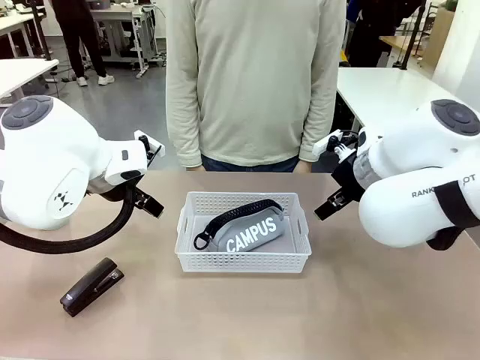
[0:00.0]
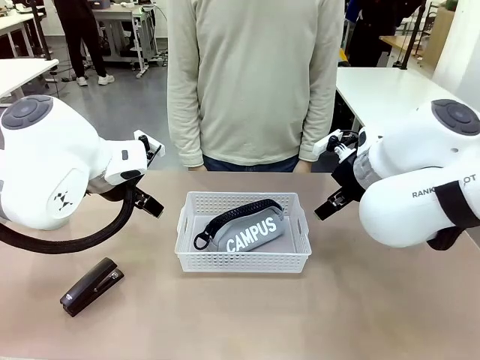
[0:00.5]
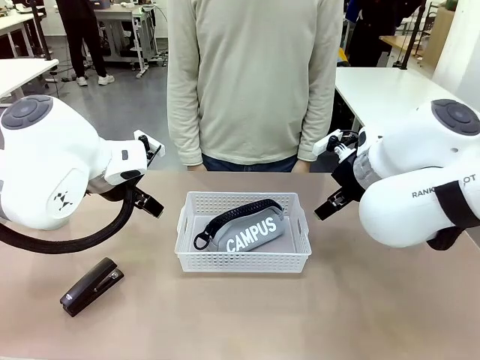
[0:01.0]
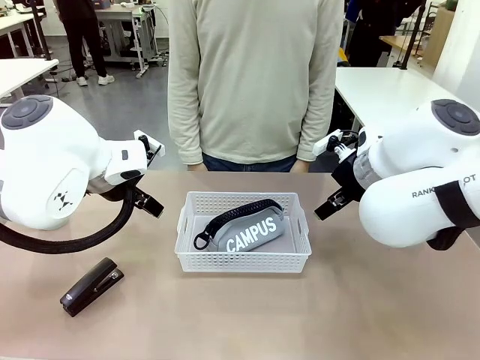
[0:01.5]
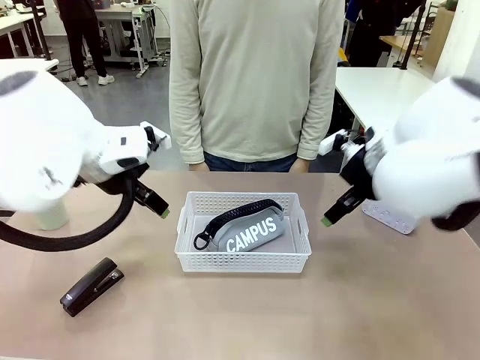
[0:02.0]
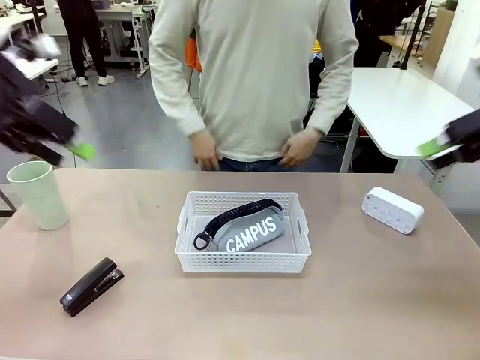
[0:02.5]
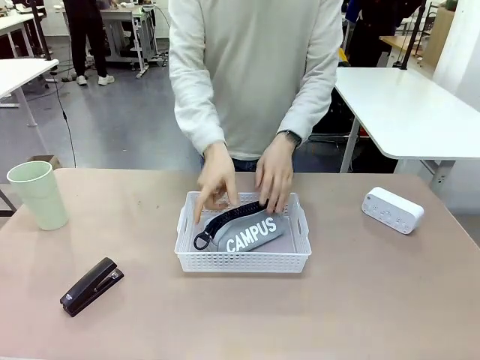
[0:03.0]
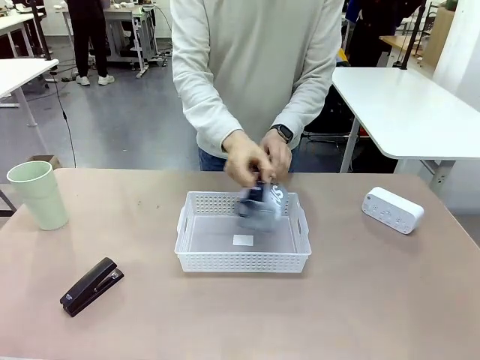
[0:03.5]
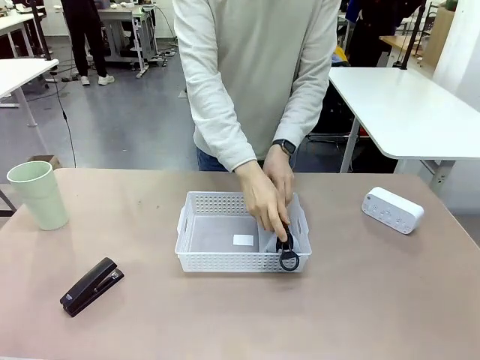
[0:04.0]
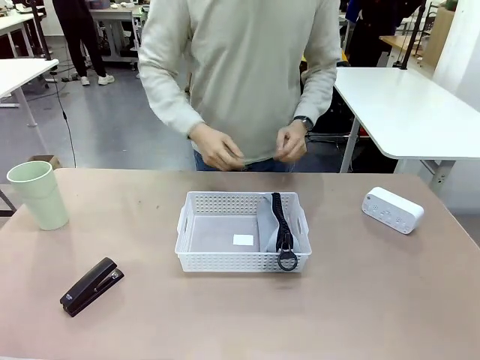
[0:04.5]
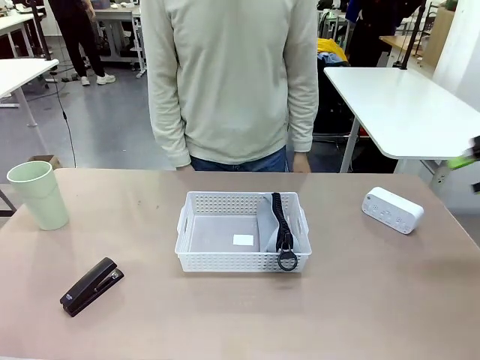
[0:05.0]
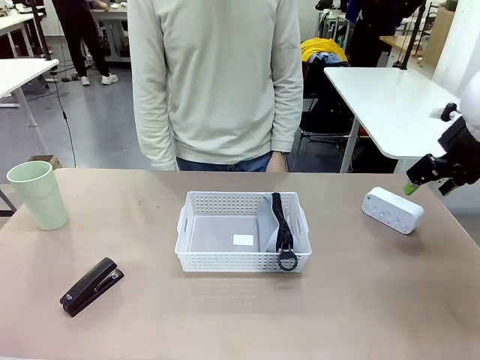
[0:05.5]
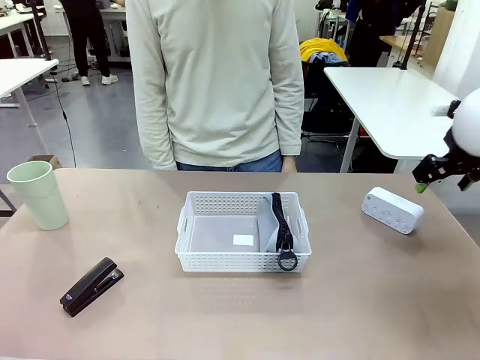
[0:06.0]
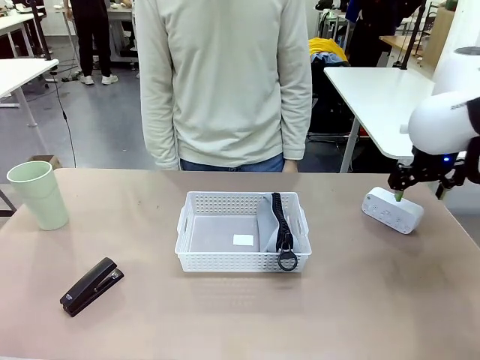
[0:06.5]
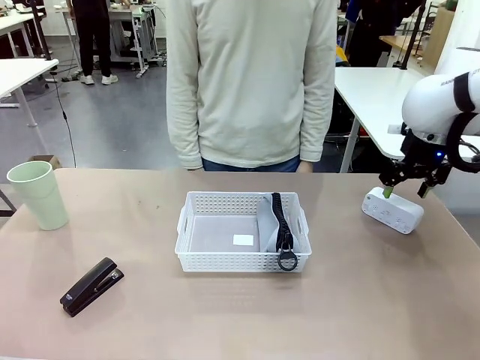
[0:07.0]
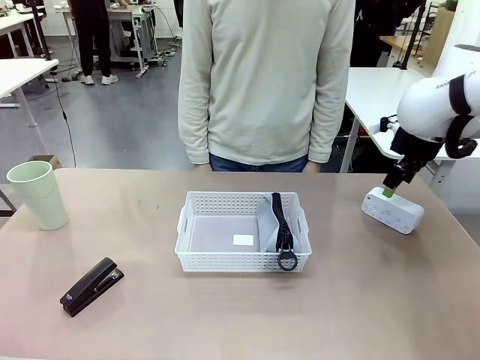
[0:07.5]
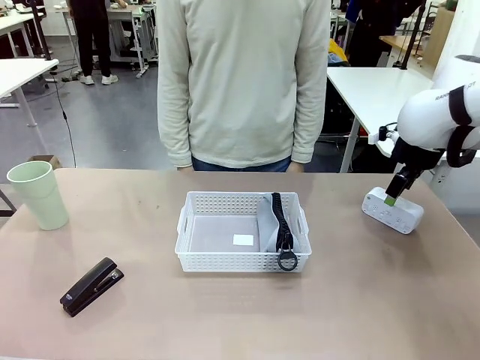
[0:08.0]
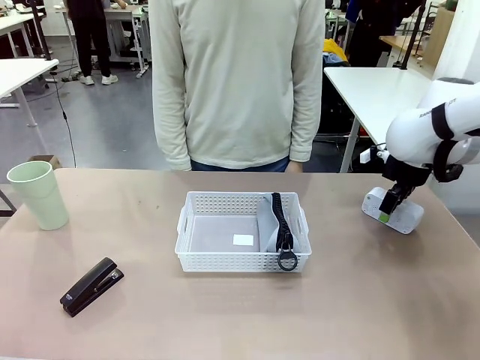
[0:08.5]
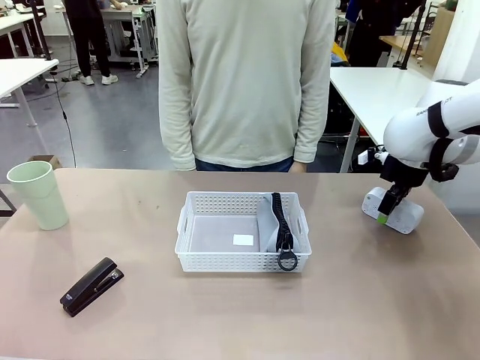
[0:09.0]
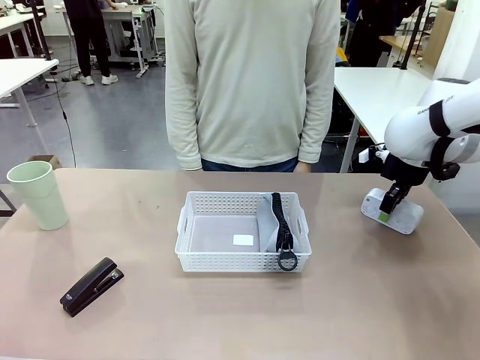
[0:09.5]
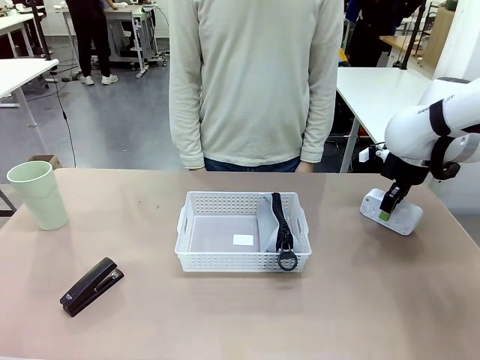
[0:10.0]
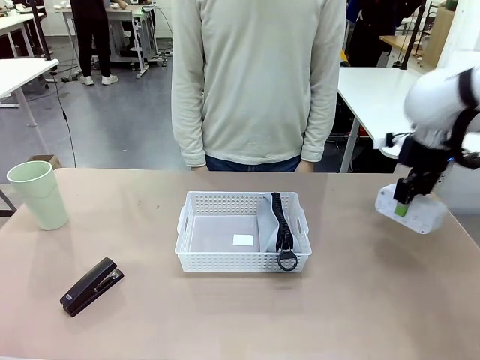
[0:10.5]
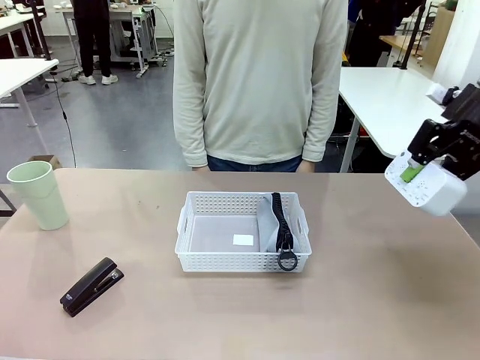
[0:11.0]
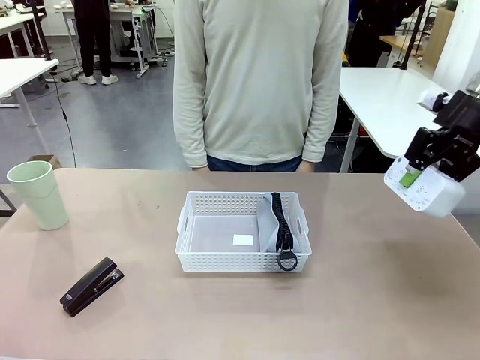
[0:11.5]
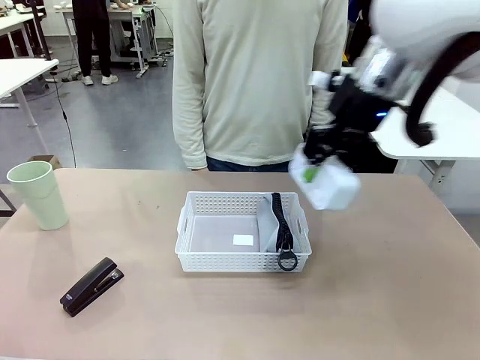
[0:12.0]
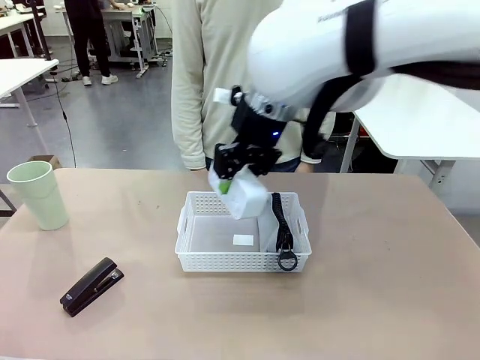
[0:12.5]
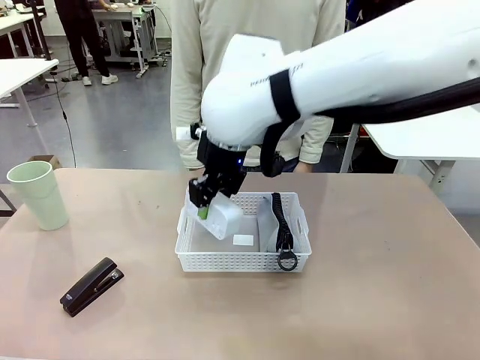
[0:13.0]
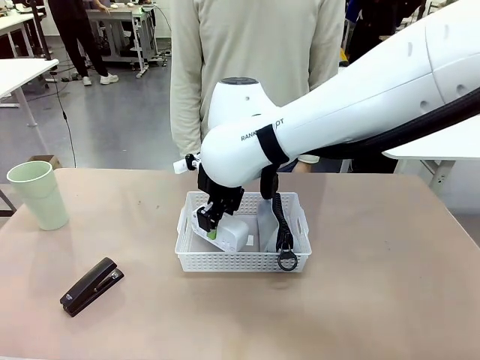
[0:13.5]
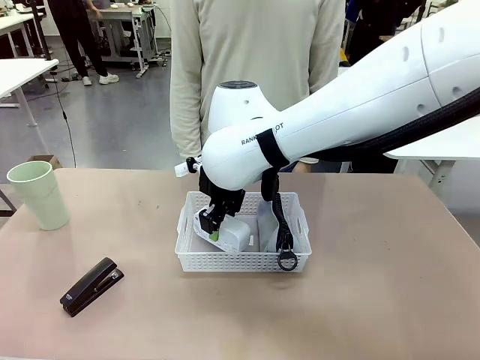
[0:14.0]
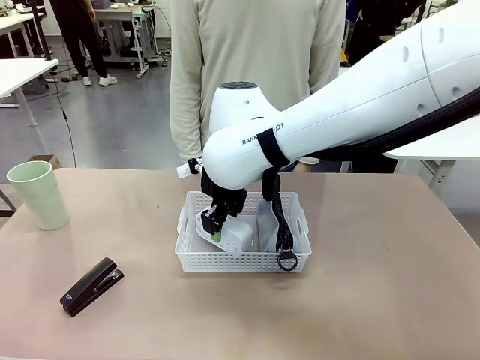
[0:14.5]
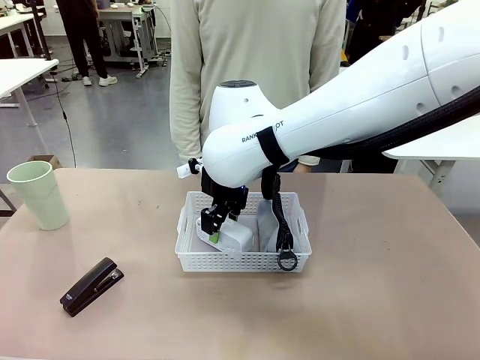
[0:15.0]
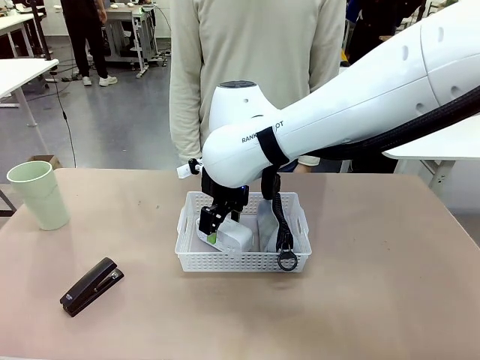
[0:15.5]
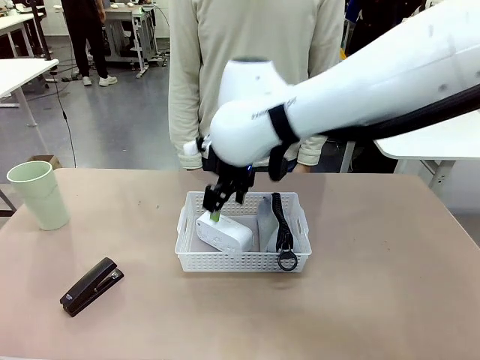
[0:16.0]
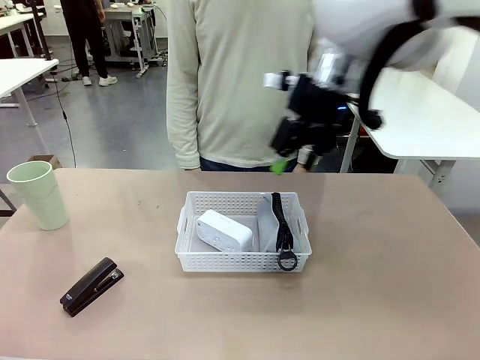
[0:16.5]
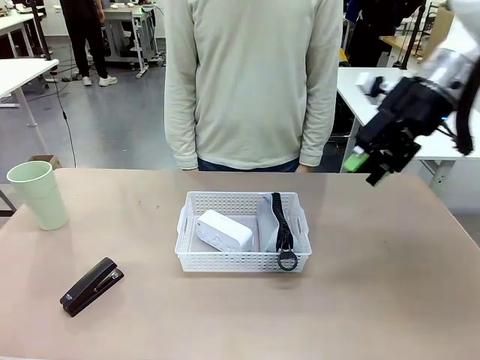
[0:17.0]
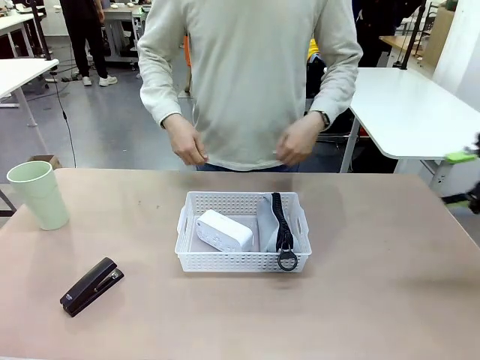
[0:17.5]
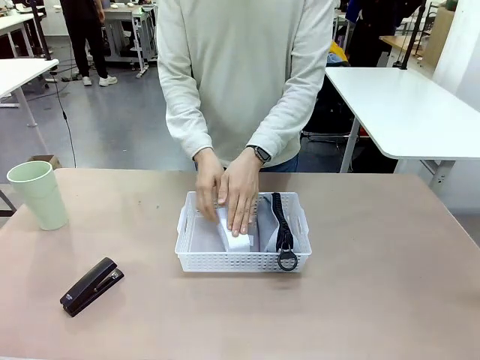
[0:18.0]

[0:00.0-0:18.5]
Task: Efficiently arrange items inside the basket to fit them all.
Robot: Pick up the Digital clock and place it inside the Organizing basket.
Person: Repositions the pencil case. Repositions the digital clock.
